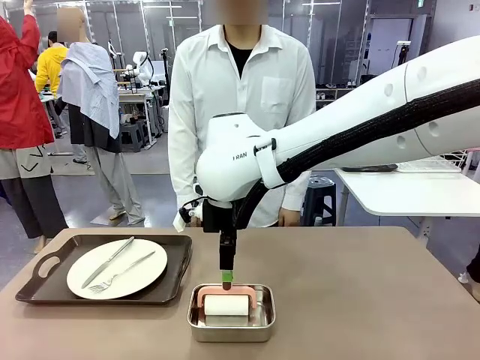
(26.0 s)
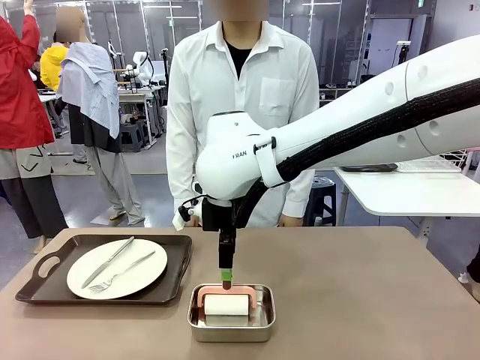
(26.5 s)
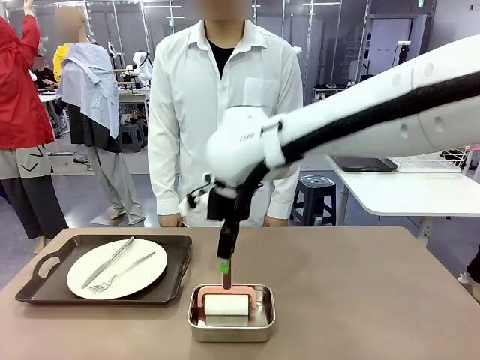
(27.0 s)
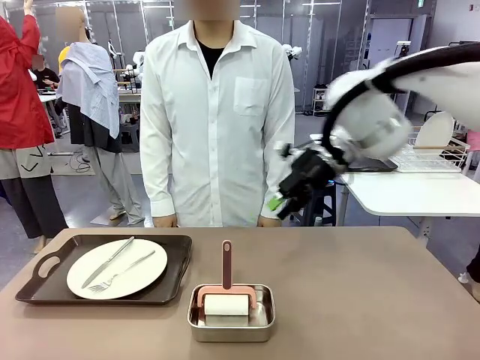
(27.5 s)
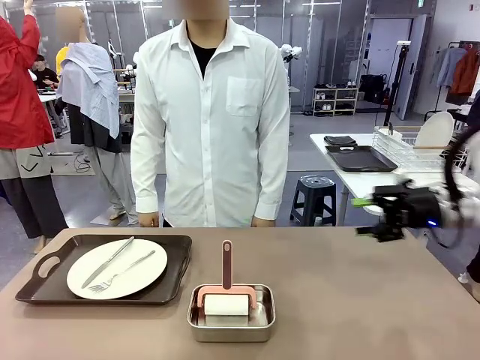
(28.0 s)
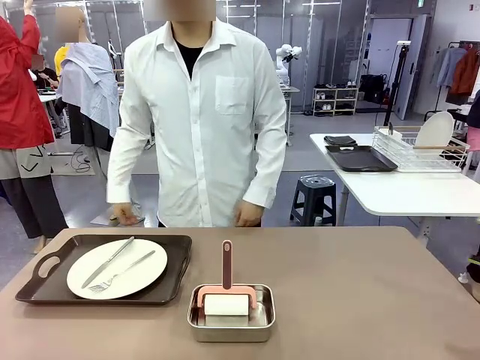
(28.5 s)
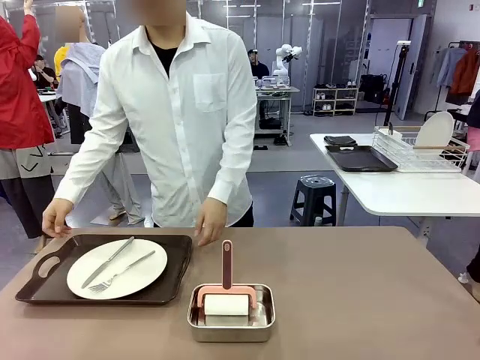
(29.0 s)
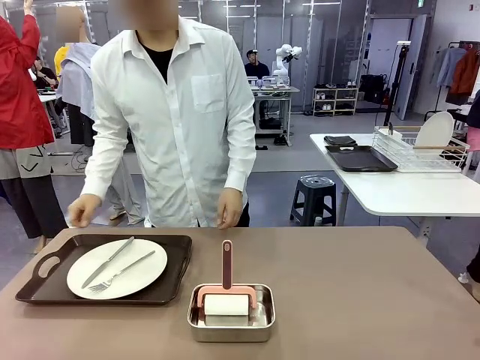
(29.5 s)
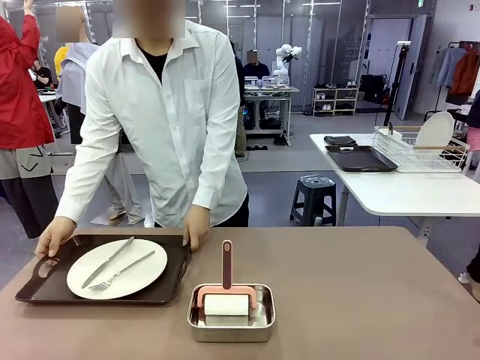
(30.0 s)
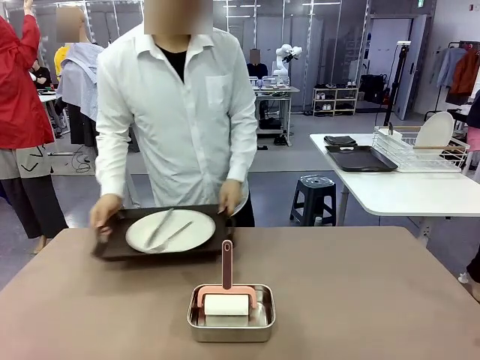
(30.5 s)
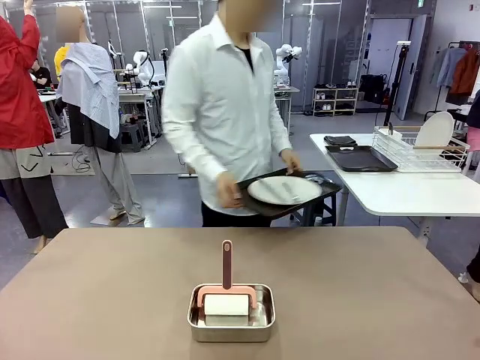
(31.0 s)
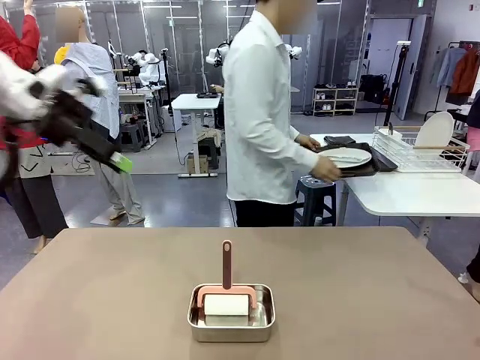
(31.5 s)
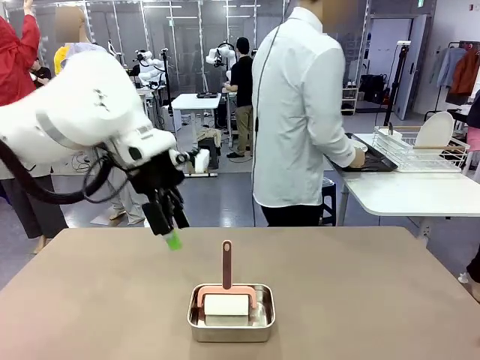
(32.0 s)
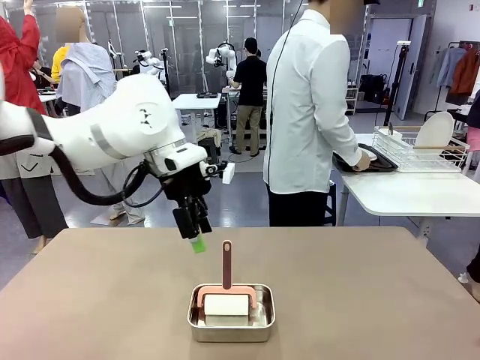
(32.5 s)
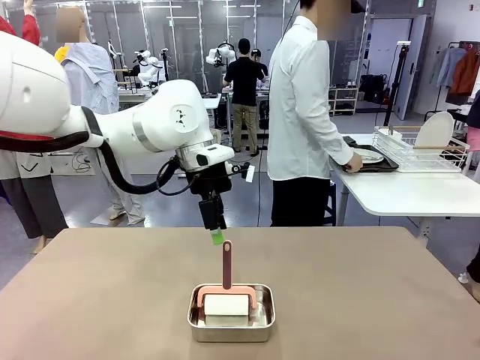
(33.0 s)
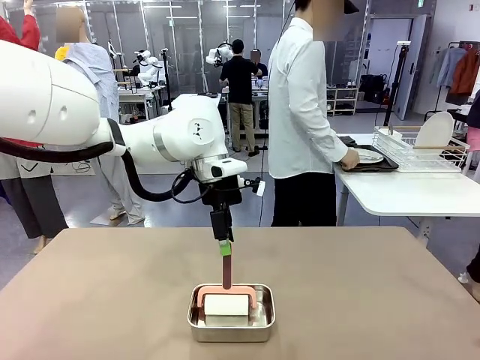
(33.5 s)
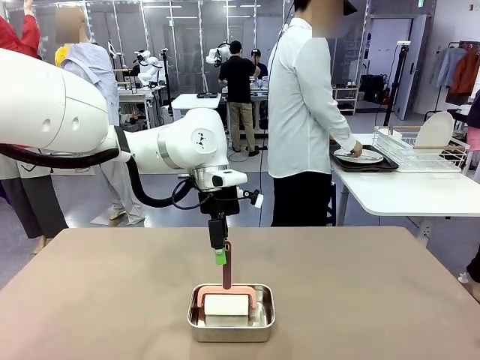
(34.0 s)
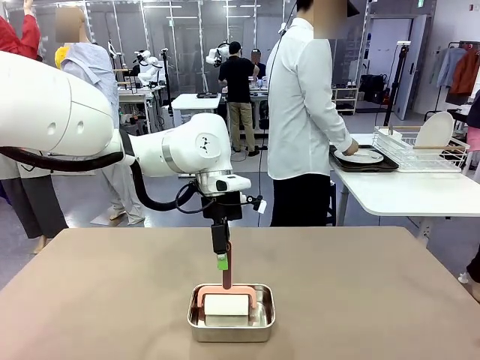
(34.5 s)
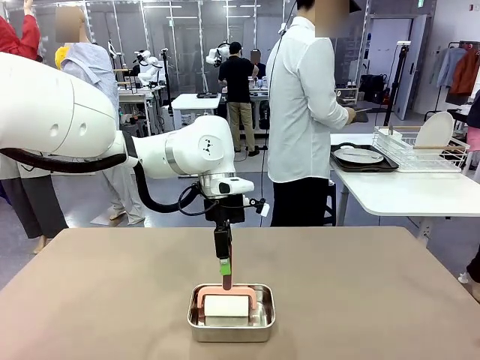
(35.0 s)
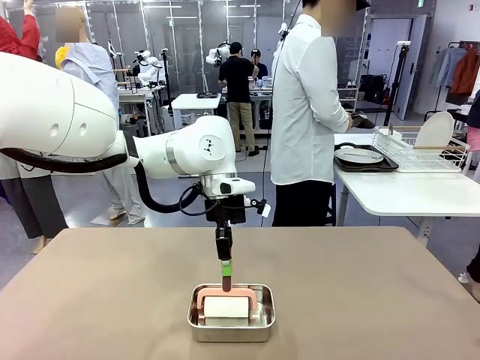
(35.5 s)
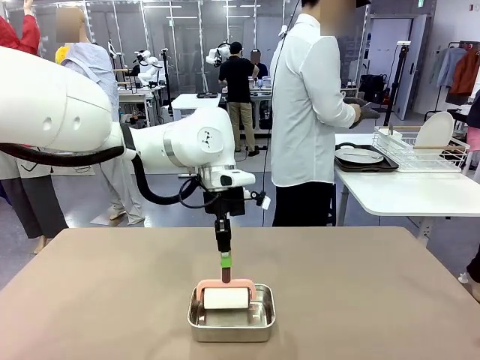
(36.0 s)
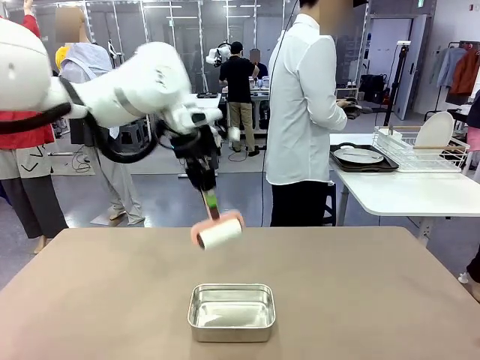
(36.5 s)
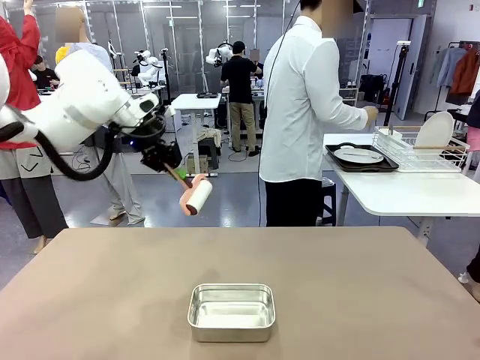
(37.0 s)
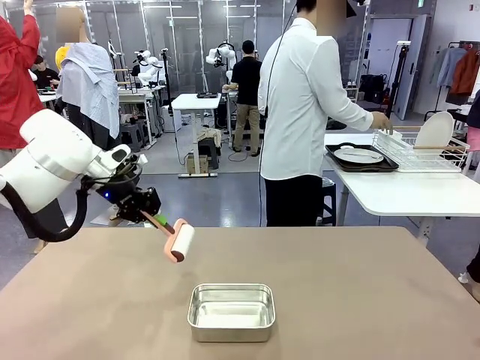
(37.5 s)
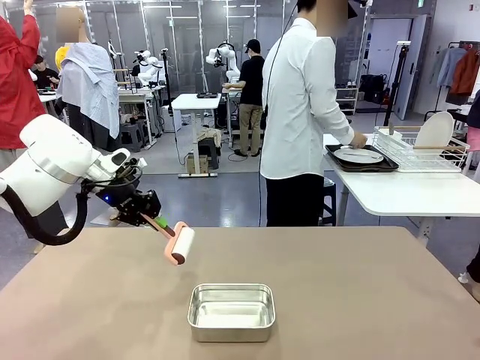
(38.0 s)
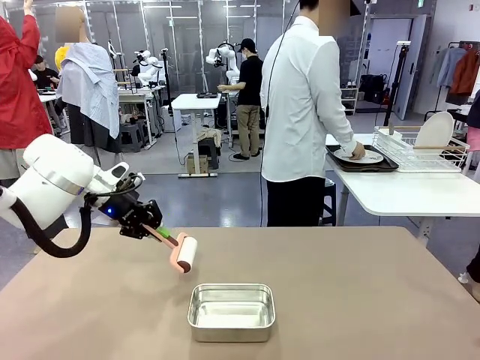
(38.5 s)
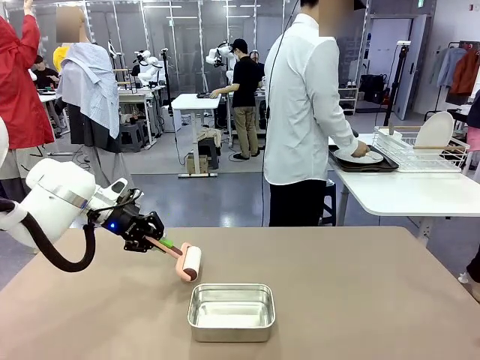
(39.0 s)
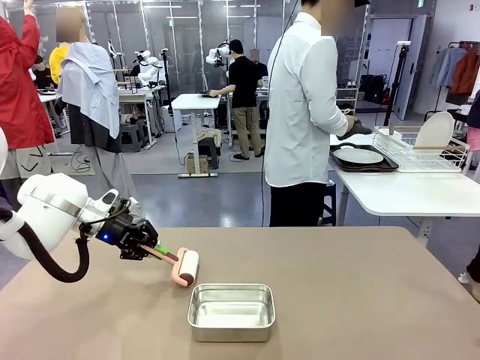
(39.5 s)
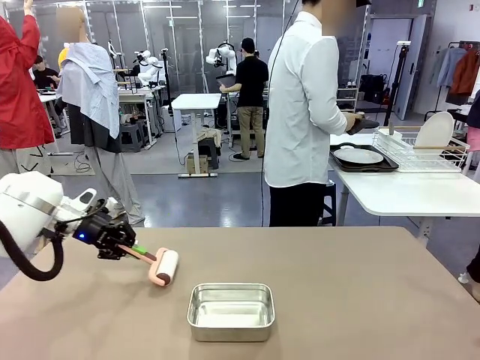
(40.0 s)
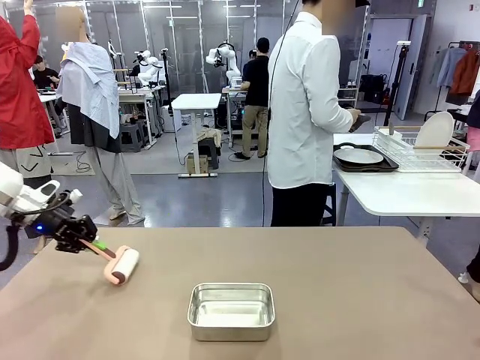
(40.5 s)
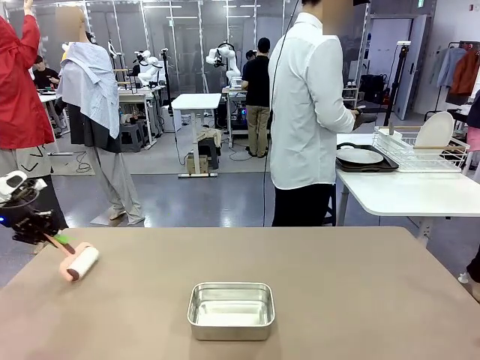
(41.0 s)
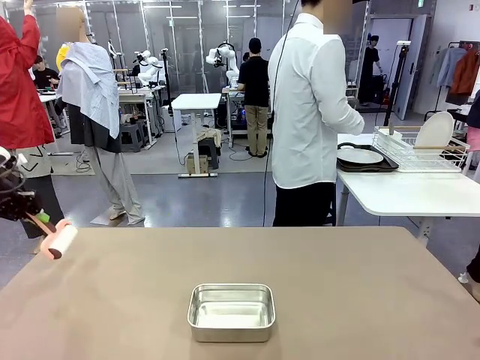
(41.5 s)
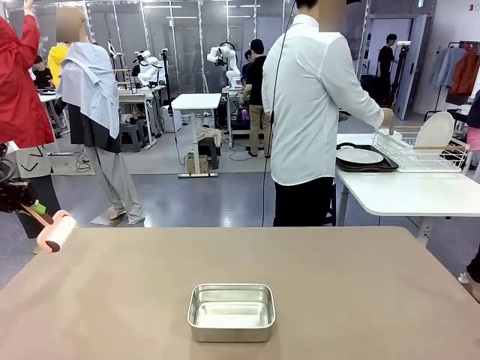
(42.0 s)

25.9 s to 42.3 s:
Robot: When the right (or left) Handle tray is removed, use the right hand (or left hand) to clean the right (or left) side of the table with the Lint Roller.
Person: Pick up the left (or right) Handle tray and place it on the Handle tray.

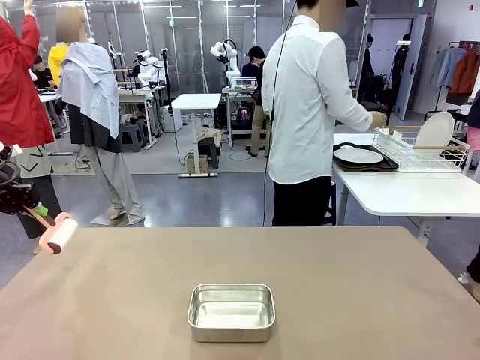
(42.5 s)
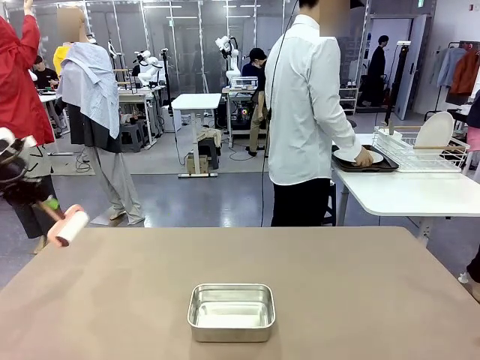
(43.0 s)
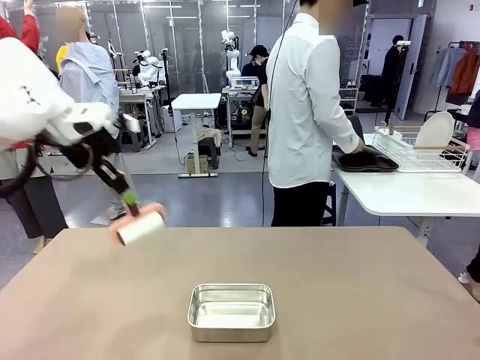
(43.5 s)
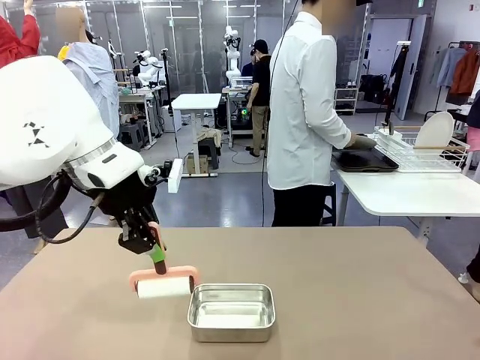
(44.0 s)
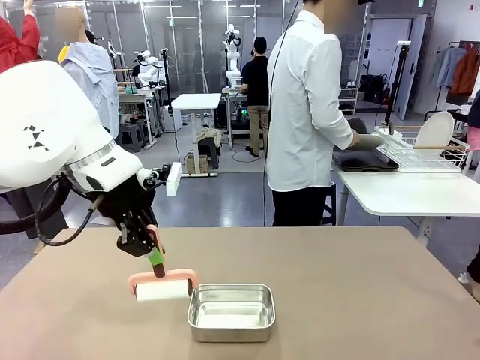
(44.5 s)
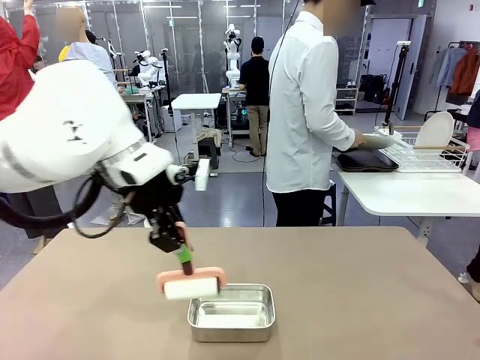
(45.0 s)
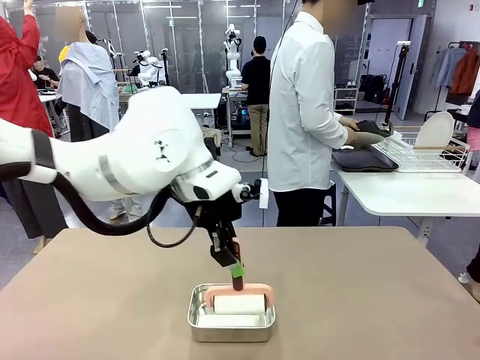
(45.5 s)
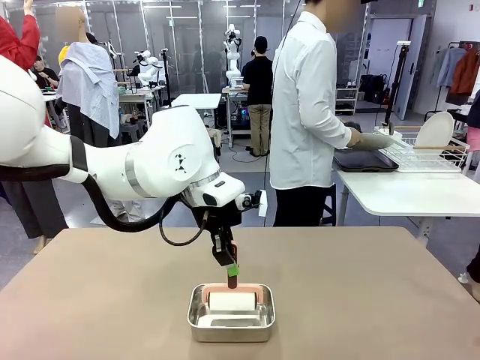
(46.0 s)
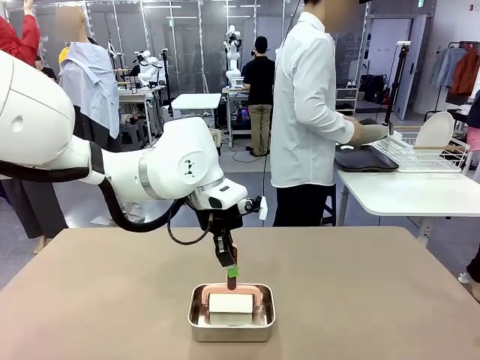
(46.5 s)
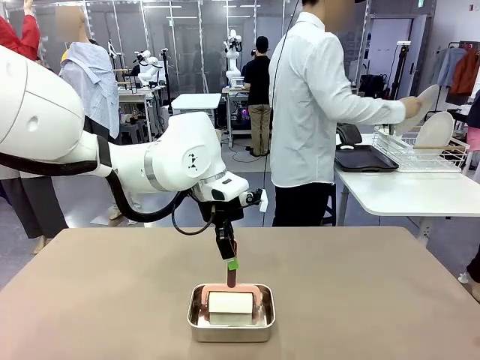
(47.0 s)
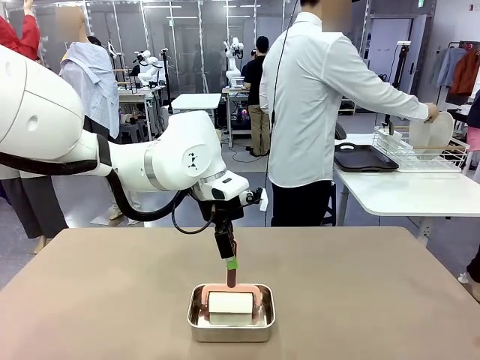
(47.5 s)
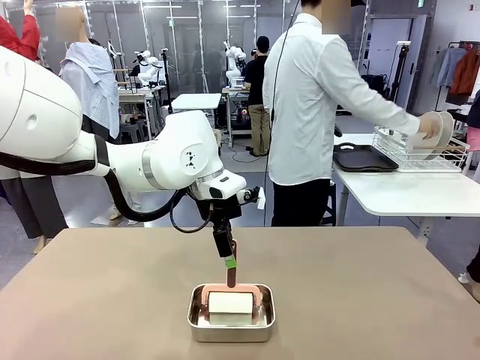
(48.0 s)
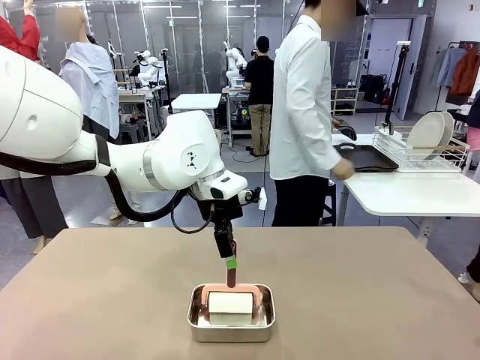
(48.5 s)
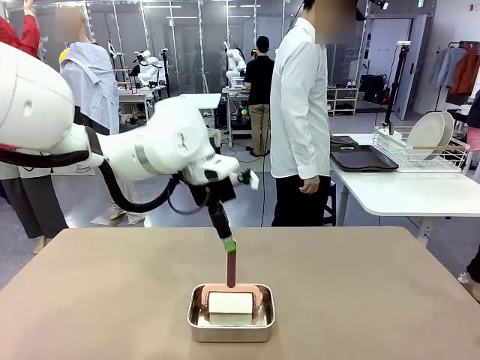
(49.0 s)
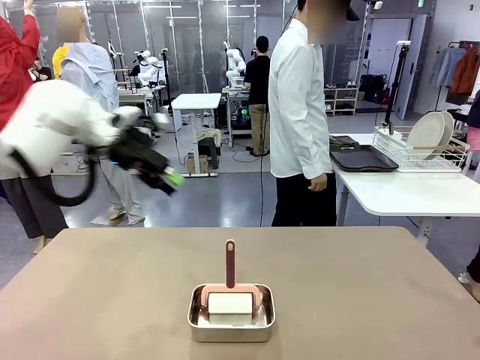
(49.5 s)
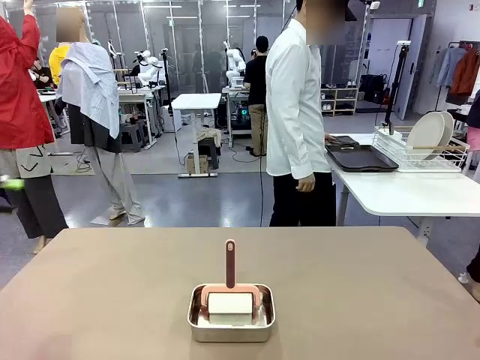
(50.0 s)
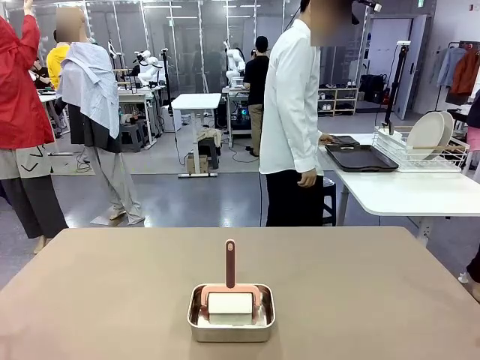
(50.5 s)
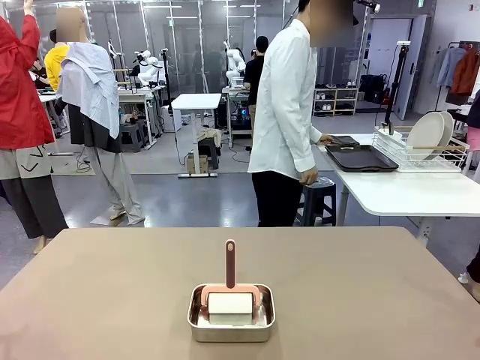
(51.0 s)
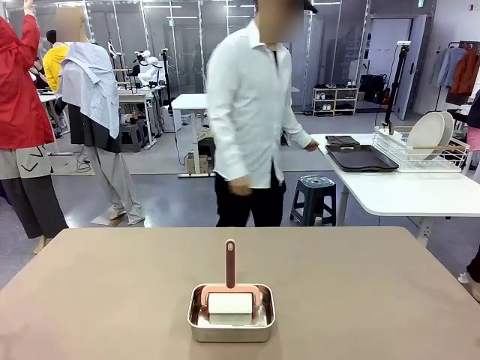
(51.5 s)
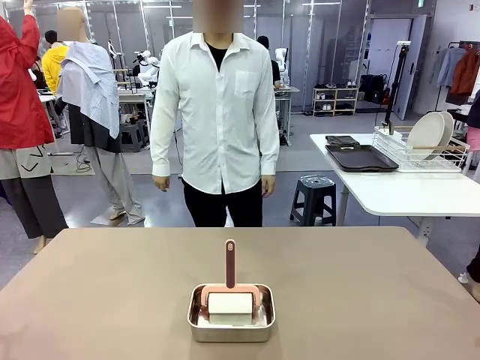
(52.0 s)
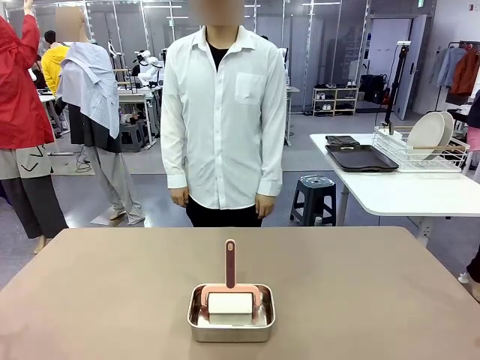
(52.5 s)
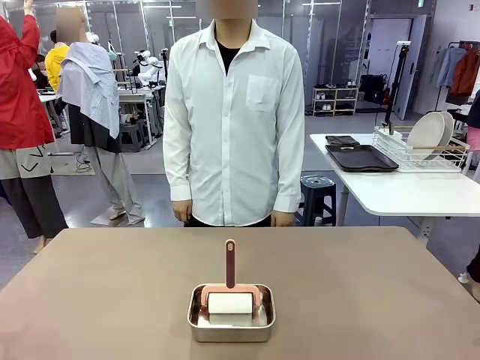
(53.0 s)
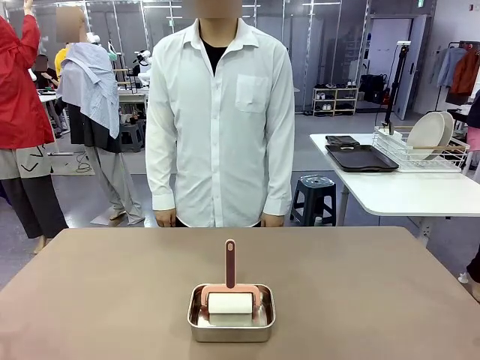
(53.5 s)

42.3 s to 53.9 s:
Robot: Place the Lint Roller back on top of the Airtight Container.
Person: Use the Towel with hook to wipe the Plastic Matte Plate , Fork , and Knife and place into the Dish drying rack.
